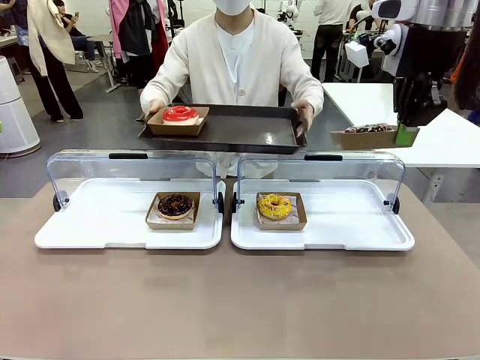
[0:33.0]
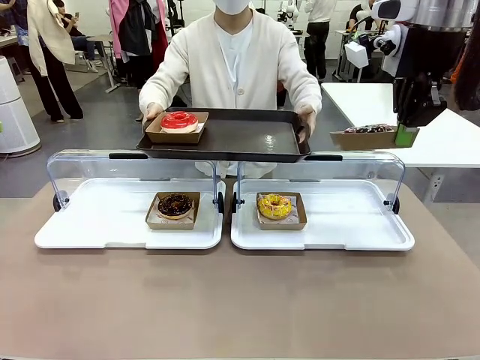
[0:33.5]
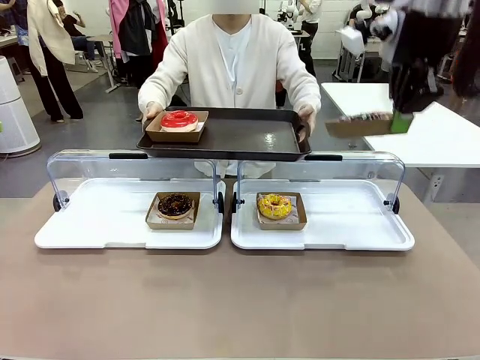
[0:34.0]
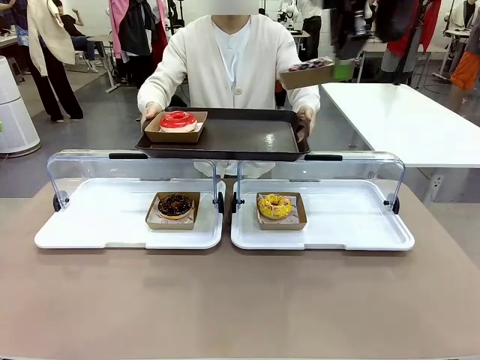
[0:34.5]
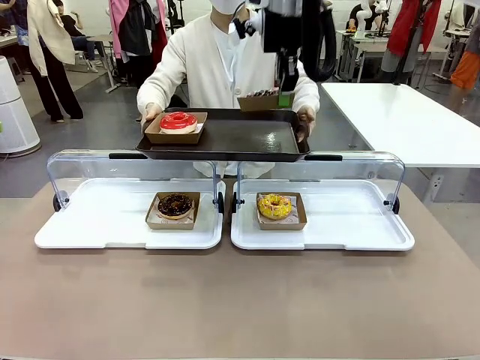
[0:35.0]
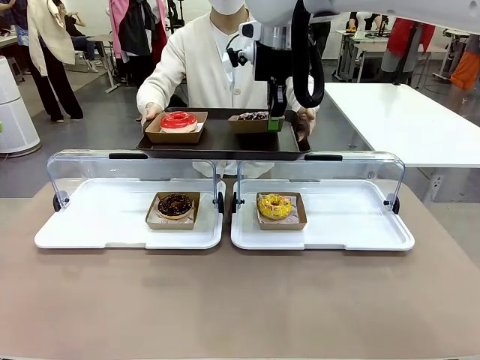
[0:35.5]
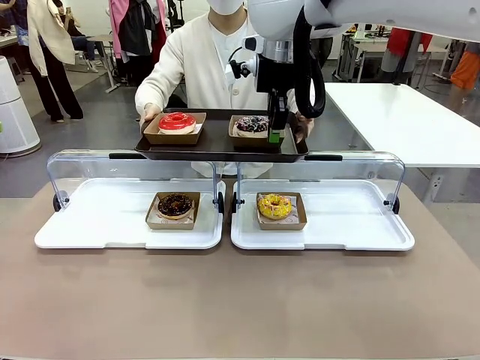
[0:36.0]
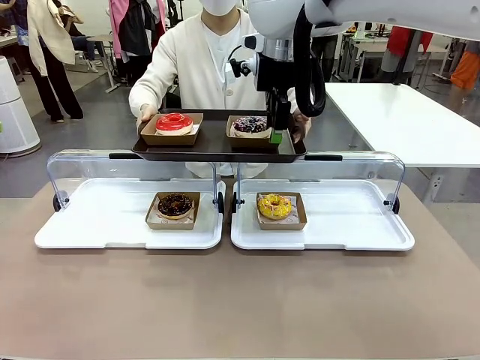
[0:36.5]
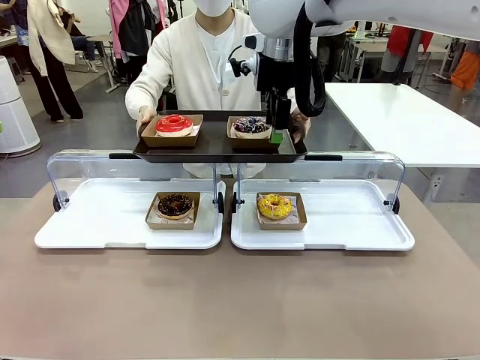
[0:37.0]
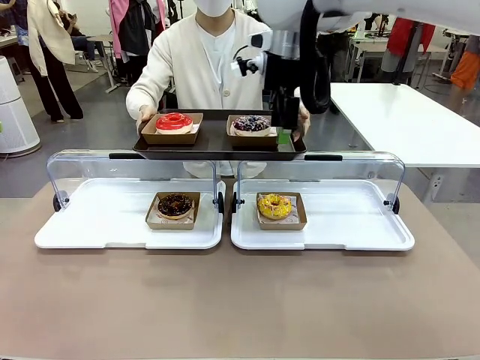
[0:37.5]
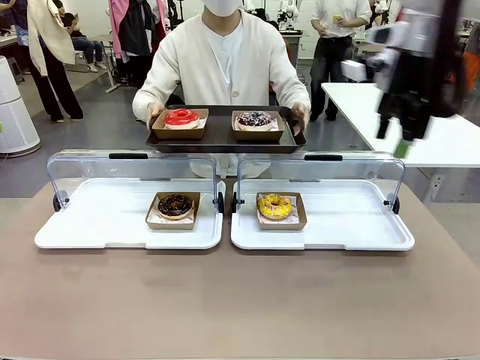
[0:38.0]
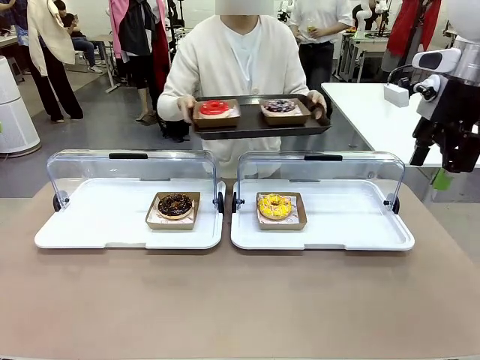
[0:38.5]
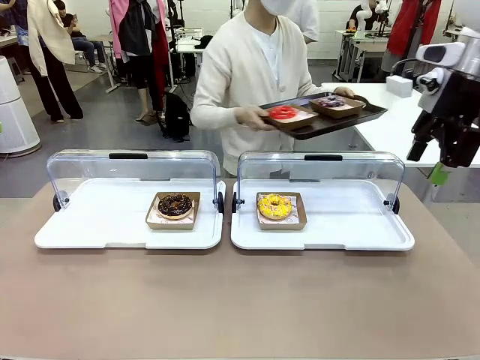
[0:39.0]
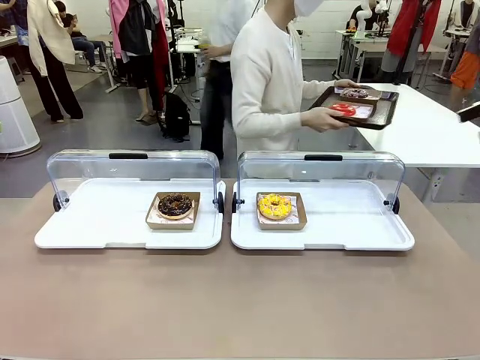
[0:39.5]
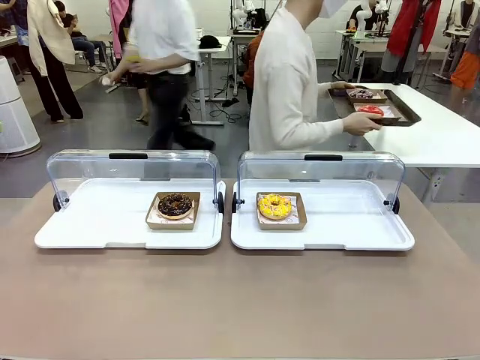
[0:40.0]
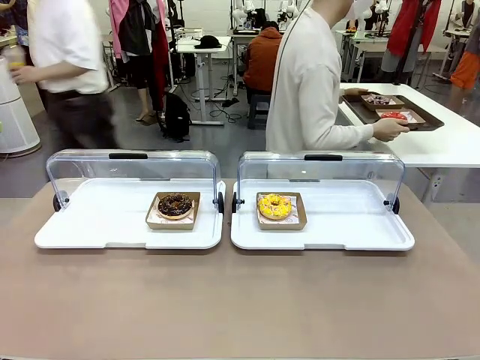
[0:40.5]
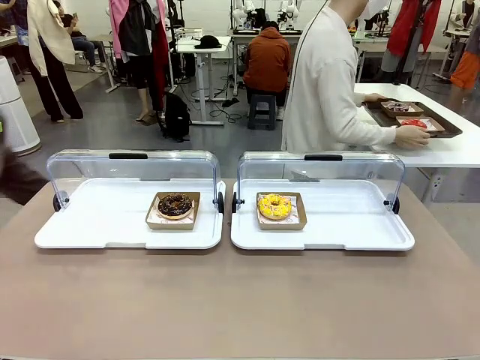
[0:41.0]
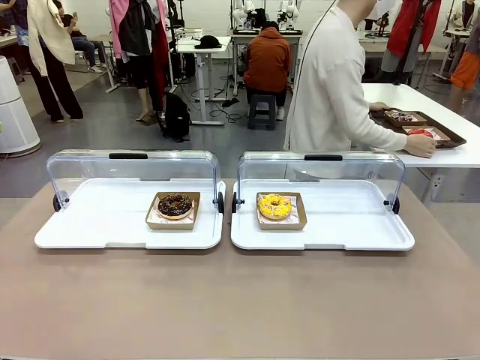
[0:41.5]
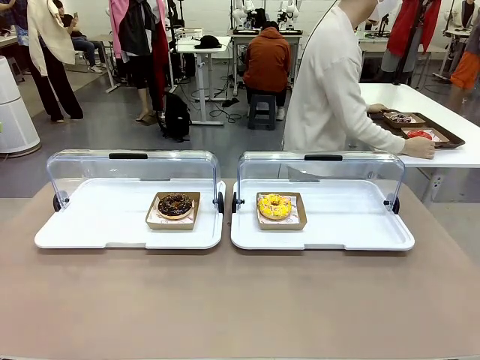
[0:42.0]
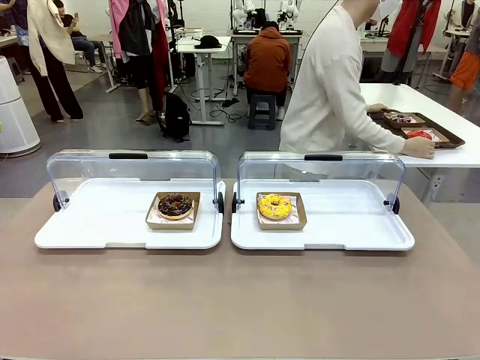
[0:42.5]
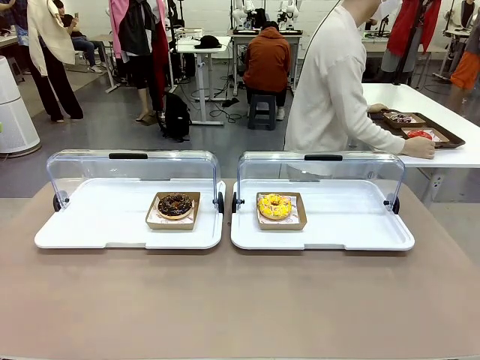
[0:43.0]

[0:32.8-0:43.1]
Task: Provide the desired donut to the person.
Robot: Place the picked Paper togo box onto the Handle tray extended by the person.
Person: Place the tray in the middle of the human table.

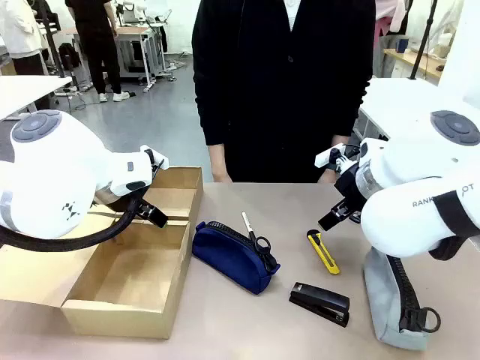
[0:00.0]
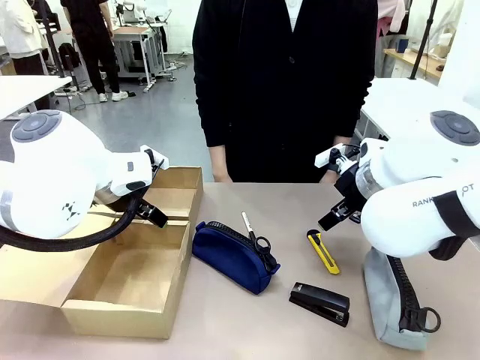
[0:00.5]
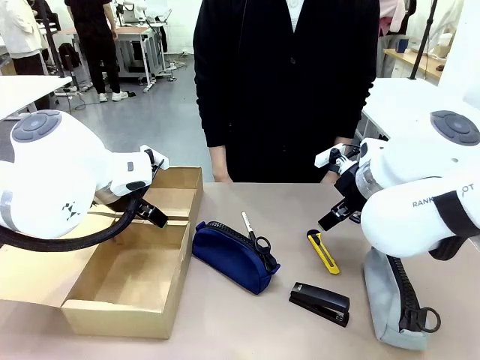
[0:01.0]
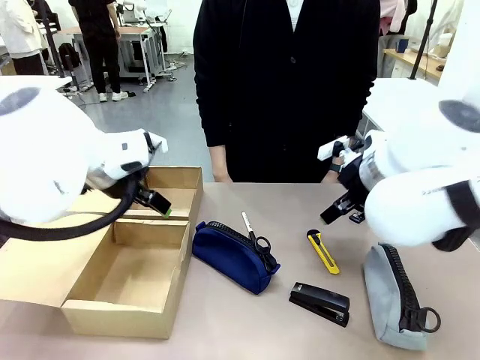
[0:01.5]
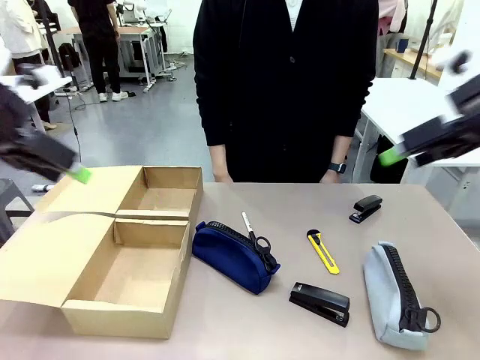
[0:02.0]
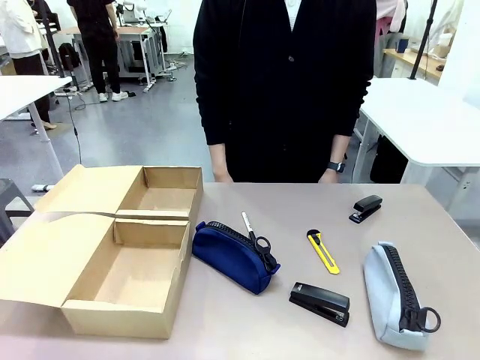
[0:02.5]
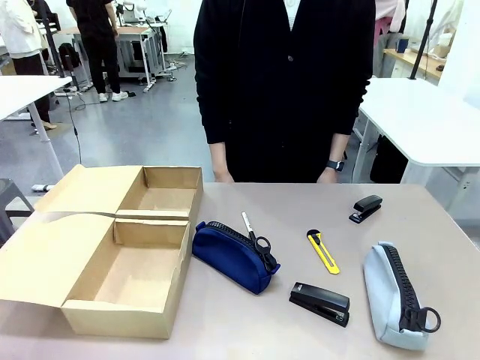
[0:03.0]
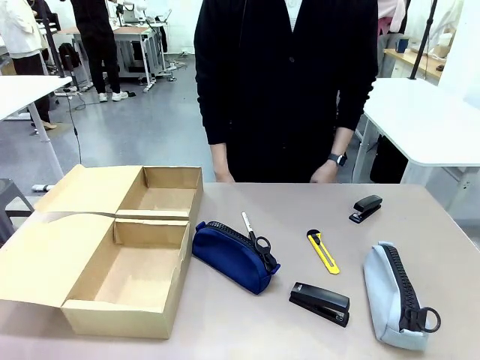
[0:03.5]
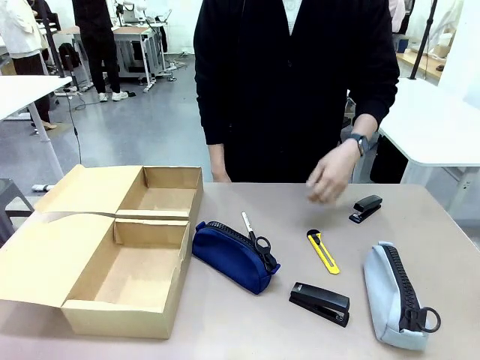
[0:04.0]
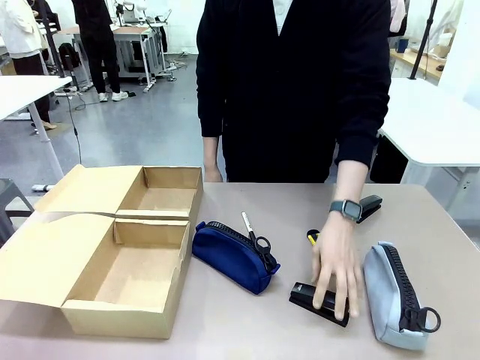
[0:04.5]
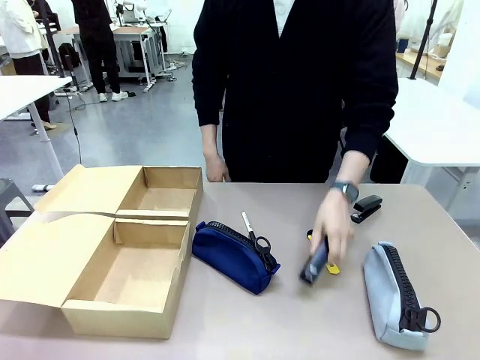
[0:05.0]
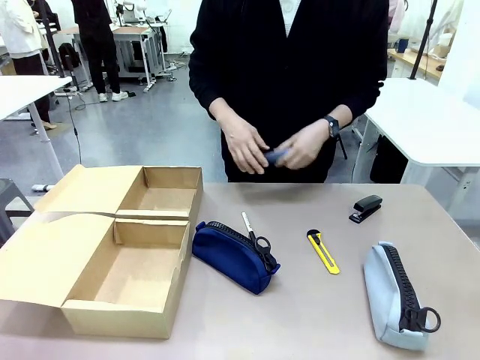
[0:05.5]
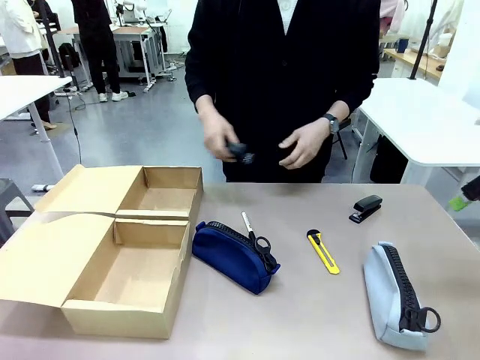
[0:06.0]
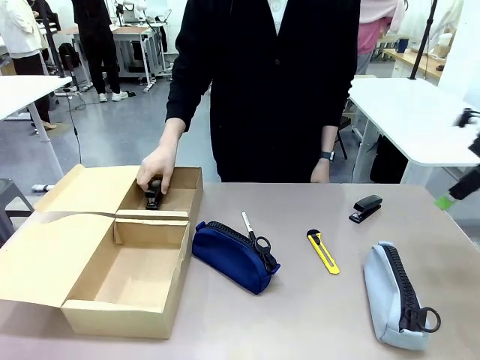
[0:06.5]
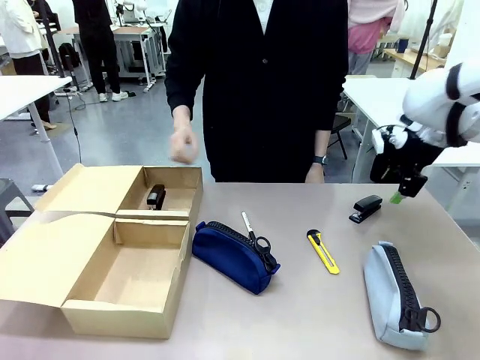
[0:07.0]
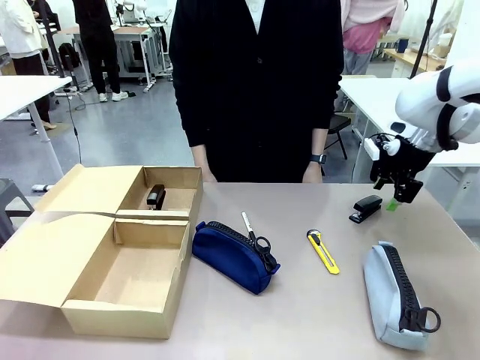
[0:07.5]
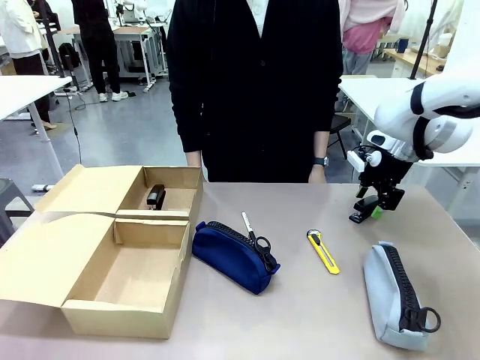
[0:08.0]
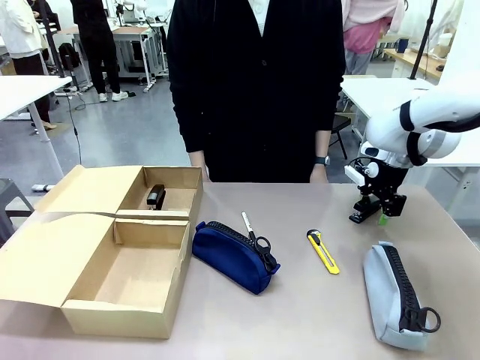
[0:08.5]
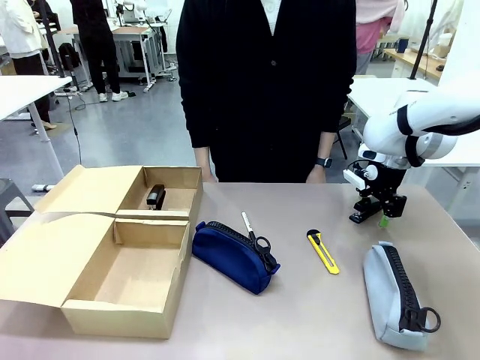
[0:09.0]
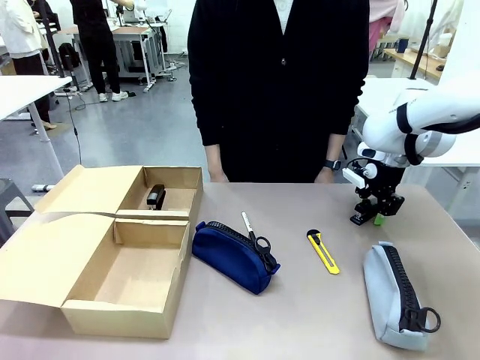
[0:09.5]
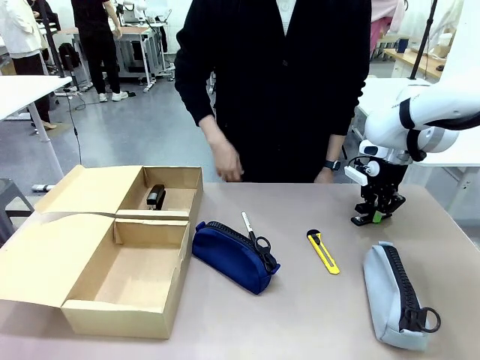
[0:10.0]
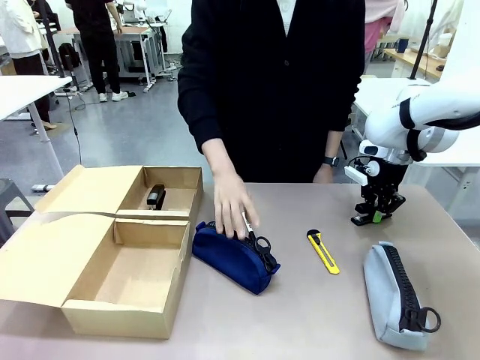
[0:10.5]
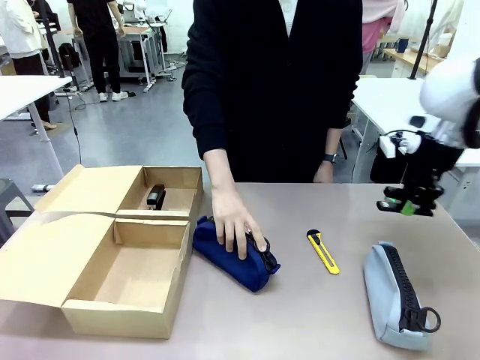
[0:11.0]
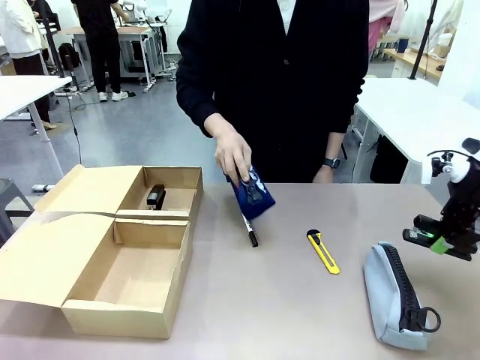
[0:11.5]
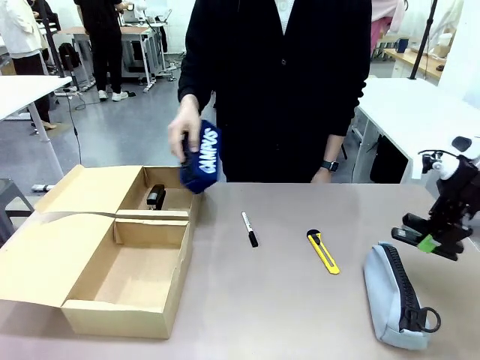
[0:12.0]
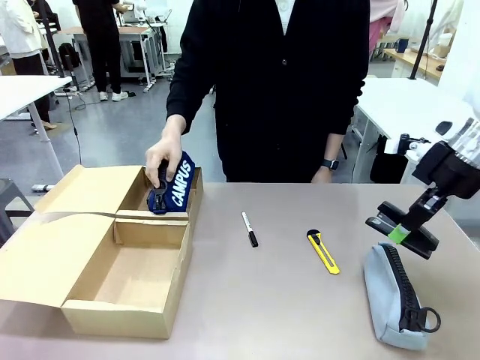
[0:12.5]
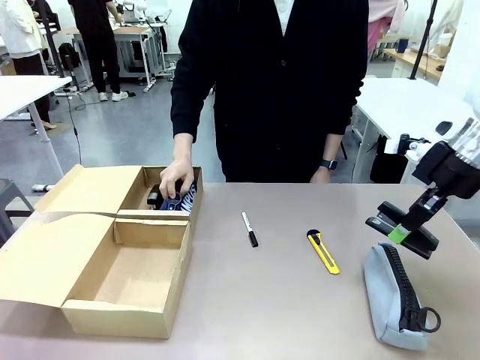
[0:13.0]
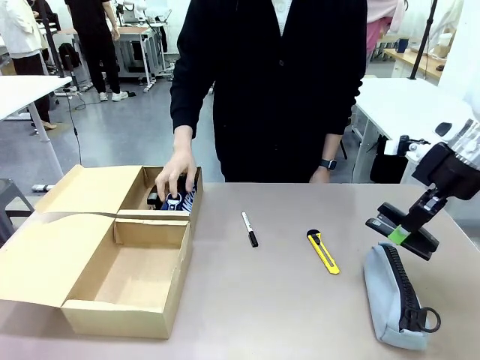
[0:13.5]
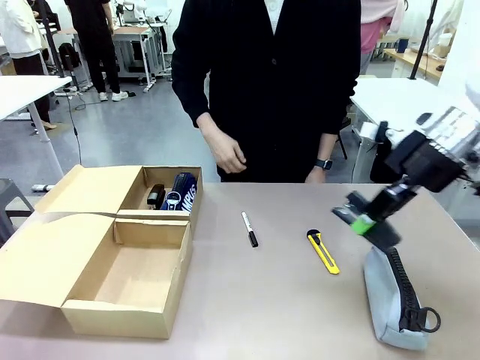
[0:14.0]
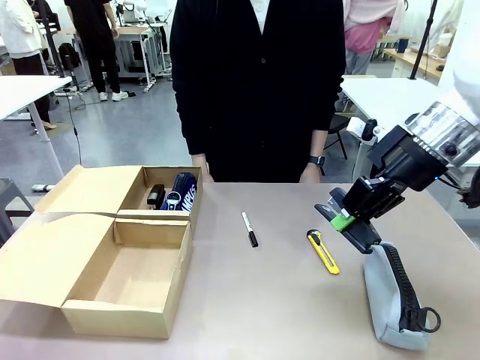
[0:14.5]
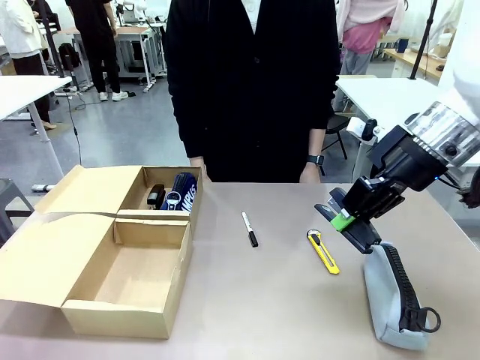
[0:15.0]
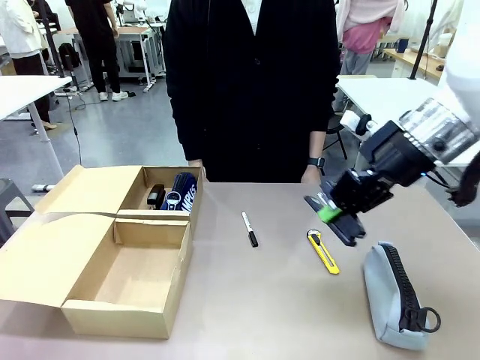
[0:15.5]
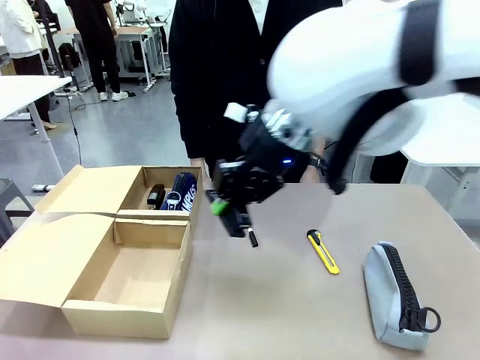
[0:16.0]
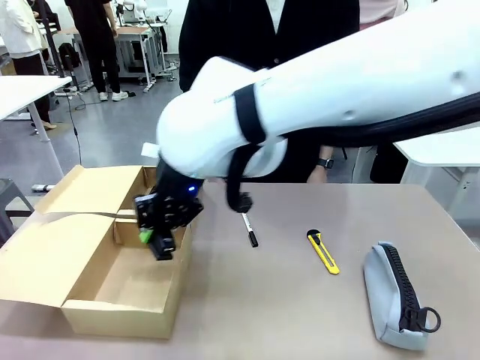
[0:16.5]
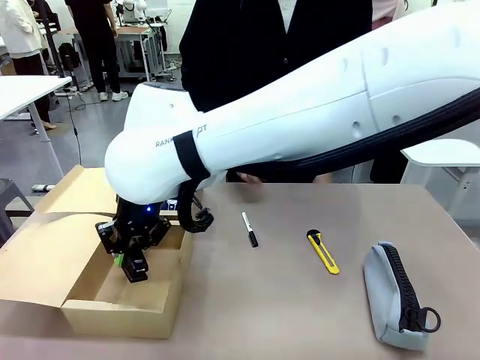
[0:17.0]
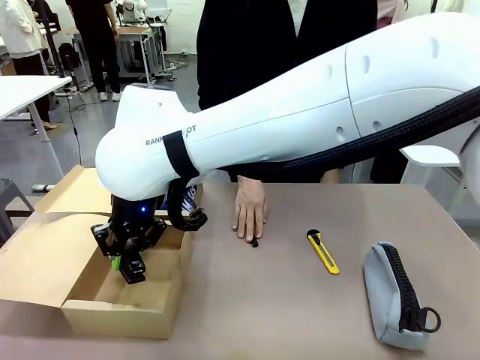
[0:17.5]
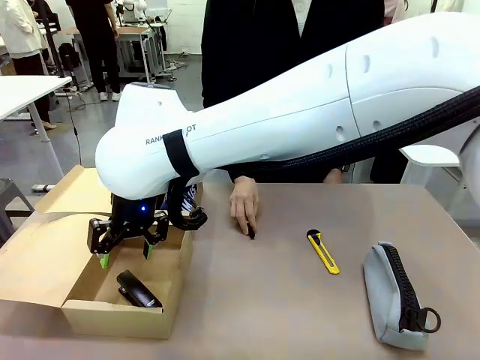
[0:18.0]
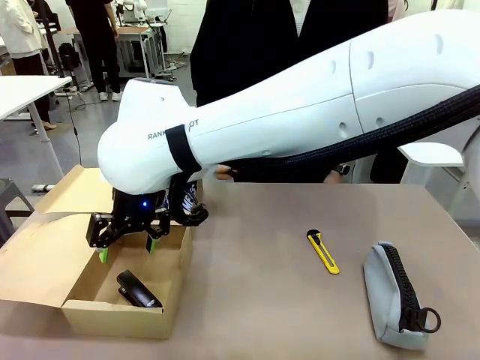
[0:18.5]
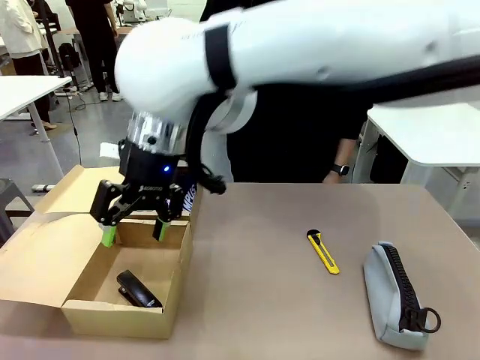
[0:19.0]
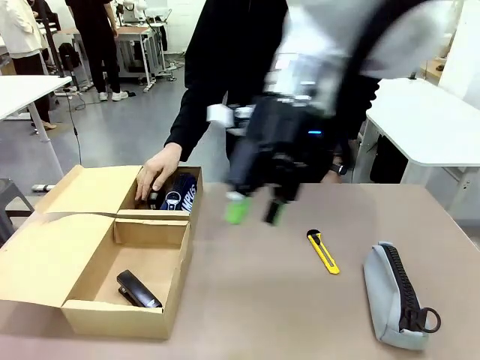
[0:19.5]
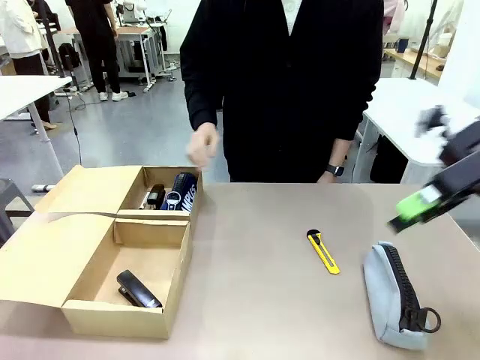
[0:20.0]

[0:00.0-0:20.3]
Task: Place items inside the box.
Robot: Pick up a Pencil pouch or Stapler and place it inside the Mailer Box closest to the robot.
Person: Pick up an object on the table and put it in the box.
